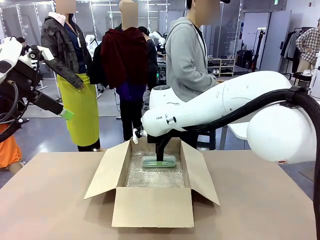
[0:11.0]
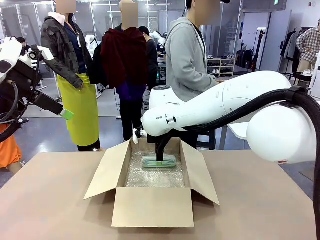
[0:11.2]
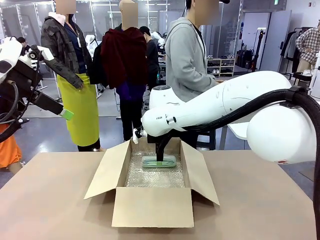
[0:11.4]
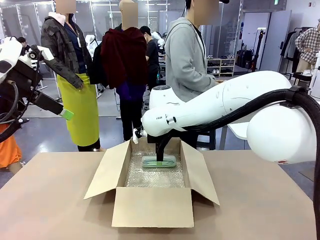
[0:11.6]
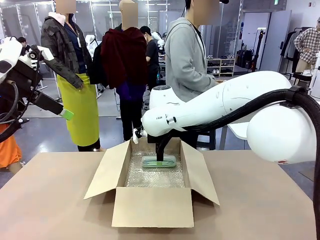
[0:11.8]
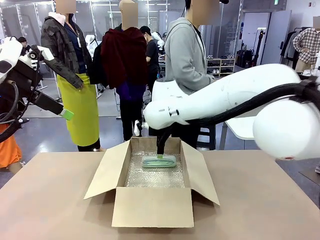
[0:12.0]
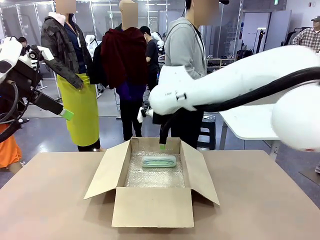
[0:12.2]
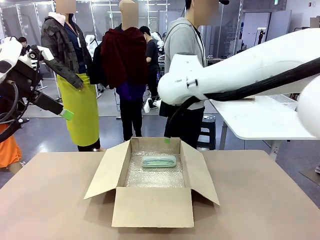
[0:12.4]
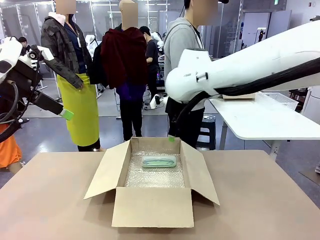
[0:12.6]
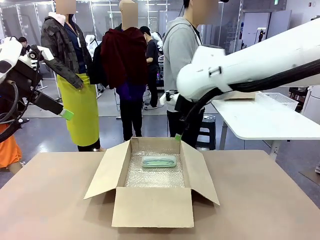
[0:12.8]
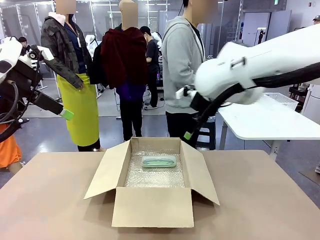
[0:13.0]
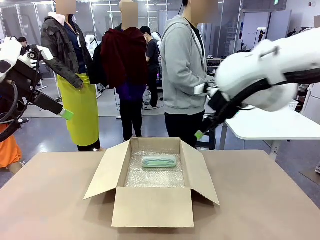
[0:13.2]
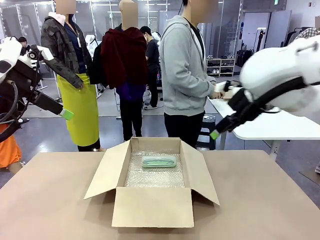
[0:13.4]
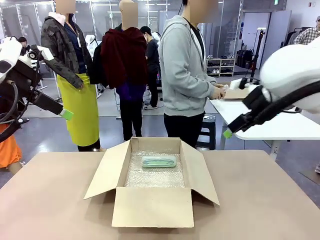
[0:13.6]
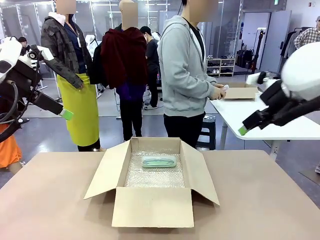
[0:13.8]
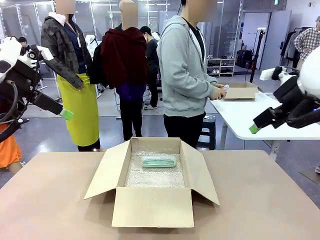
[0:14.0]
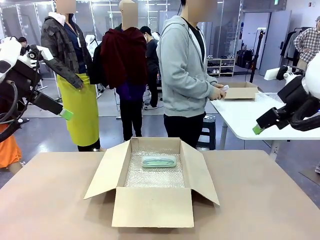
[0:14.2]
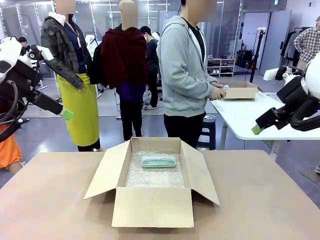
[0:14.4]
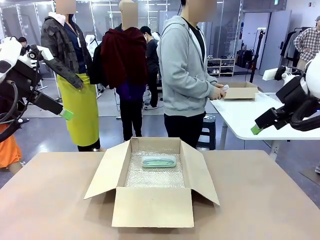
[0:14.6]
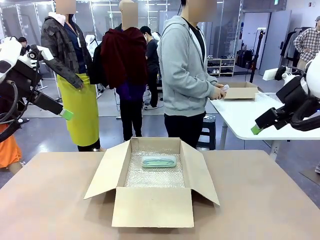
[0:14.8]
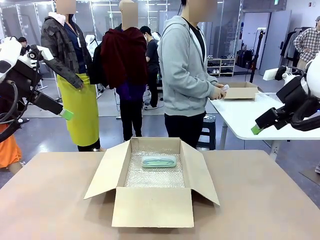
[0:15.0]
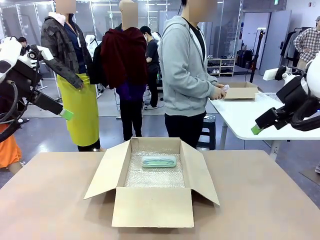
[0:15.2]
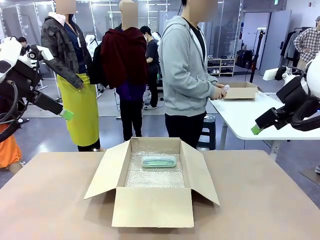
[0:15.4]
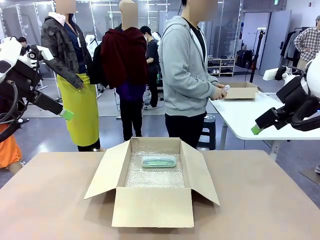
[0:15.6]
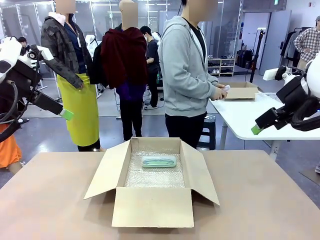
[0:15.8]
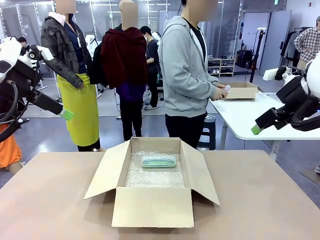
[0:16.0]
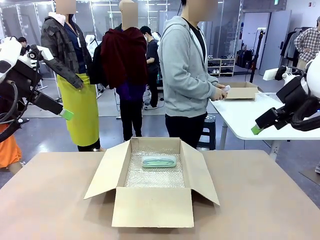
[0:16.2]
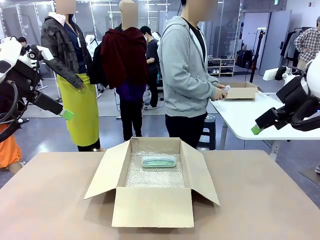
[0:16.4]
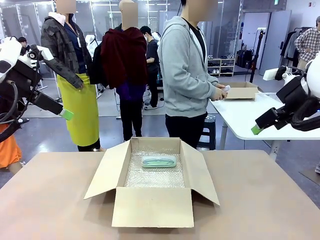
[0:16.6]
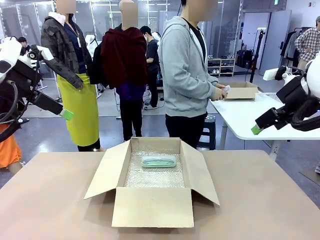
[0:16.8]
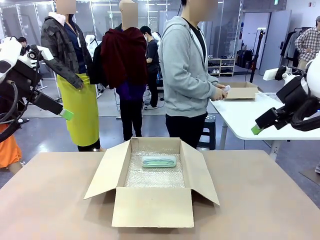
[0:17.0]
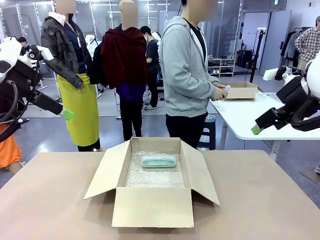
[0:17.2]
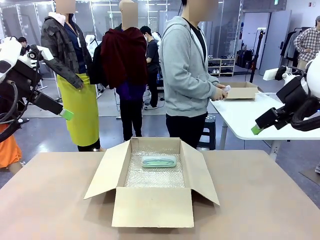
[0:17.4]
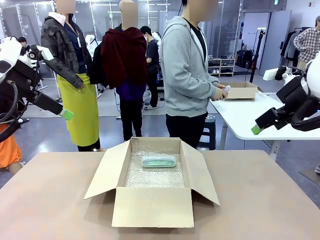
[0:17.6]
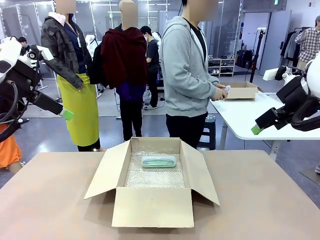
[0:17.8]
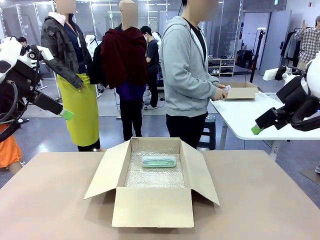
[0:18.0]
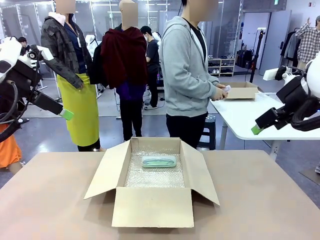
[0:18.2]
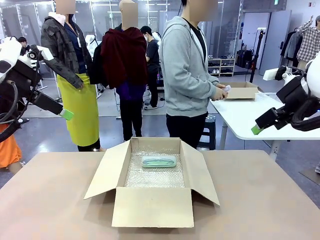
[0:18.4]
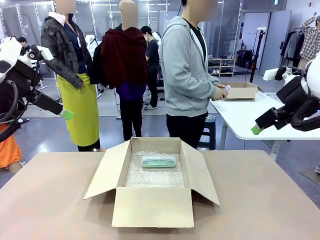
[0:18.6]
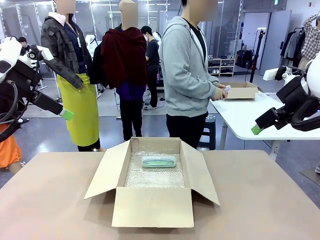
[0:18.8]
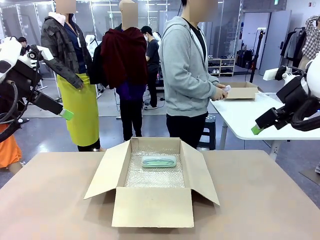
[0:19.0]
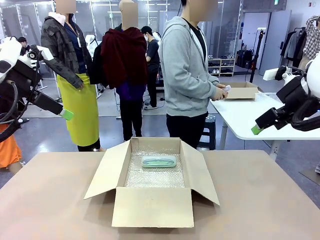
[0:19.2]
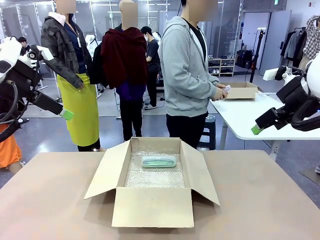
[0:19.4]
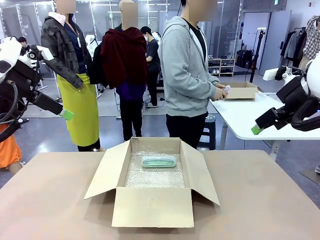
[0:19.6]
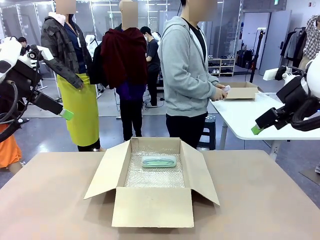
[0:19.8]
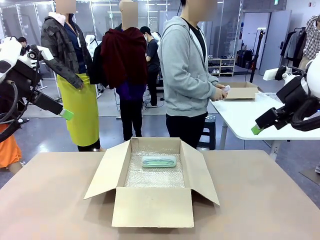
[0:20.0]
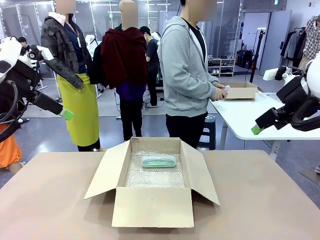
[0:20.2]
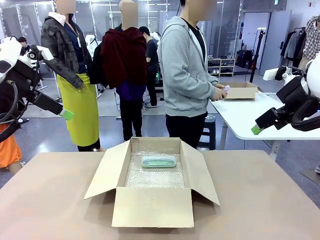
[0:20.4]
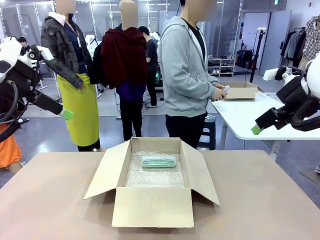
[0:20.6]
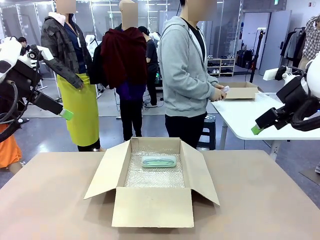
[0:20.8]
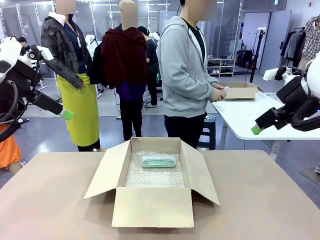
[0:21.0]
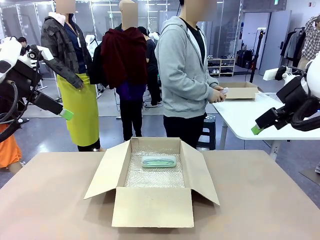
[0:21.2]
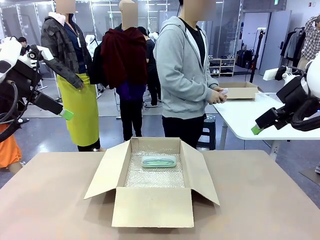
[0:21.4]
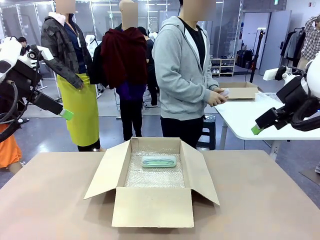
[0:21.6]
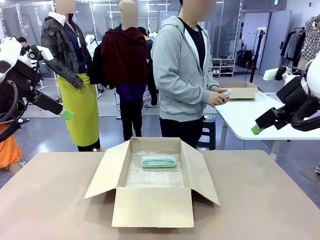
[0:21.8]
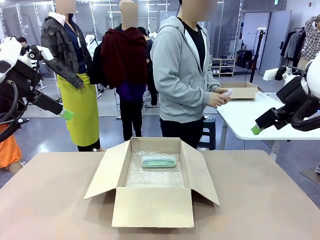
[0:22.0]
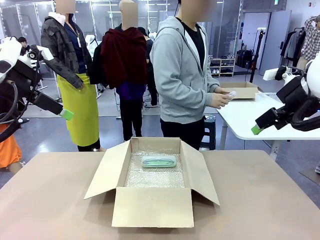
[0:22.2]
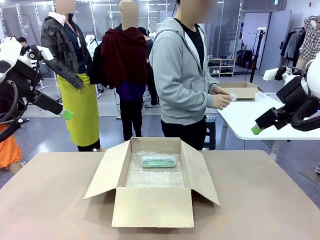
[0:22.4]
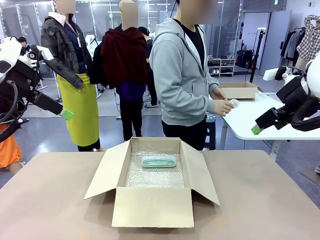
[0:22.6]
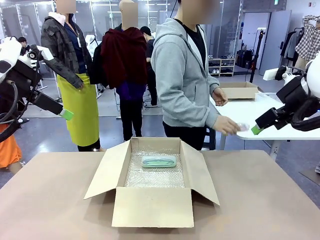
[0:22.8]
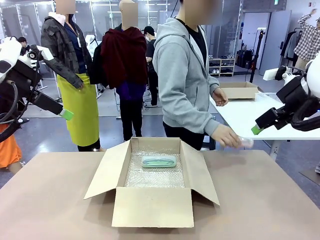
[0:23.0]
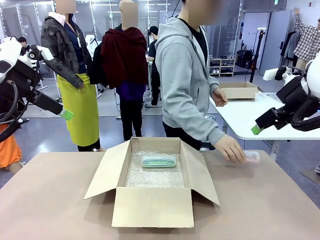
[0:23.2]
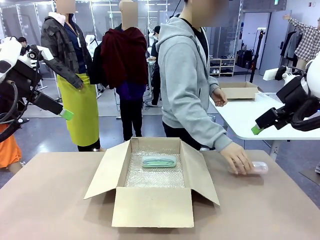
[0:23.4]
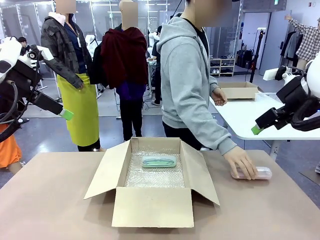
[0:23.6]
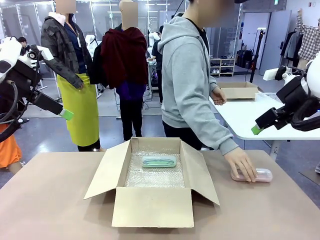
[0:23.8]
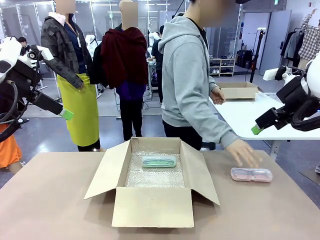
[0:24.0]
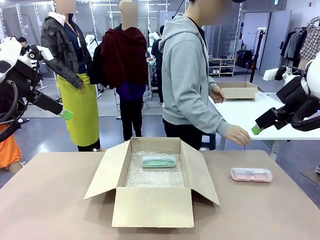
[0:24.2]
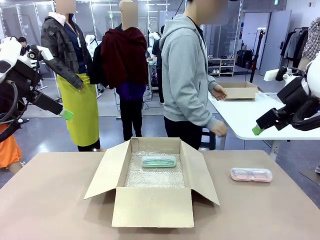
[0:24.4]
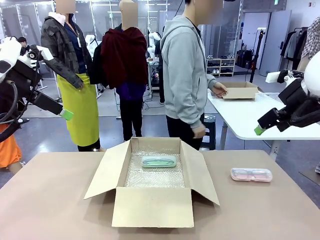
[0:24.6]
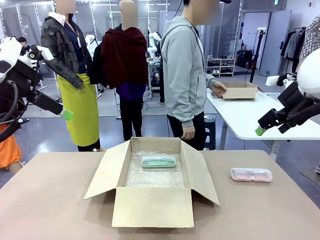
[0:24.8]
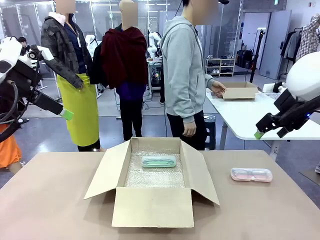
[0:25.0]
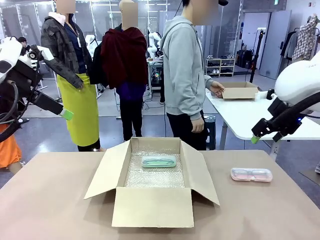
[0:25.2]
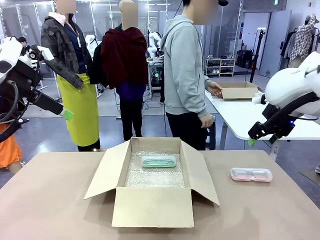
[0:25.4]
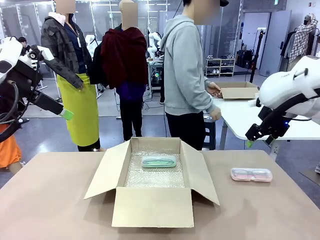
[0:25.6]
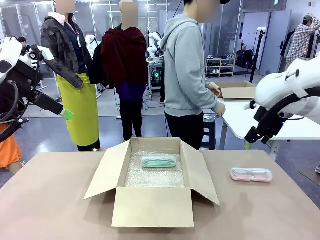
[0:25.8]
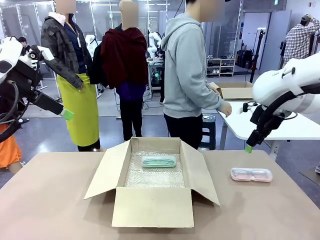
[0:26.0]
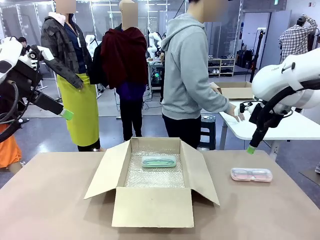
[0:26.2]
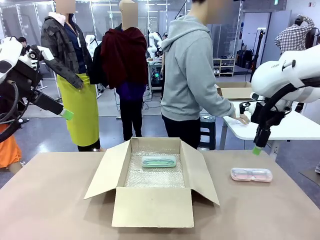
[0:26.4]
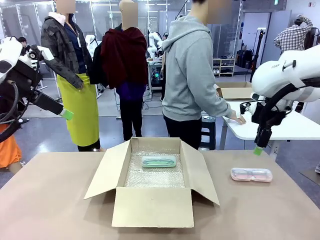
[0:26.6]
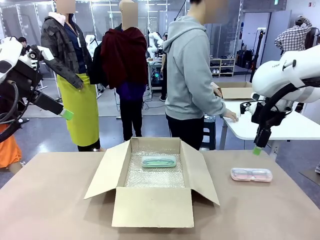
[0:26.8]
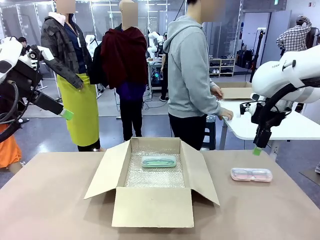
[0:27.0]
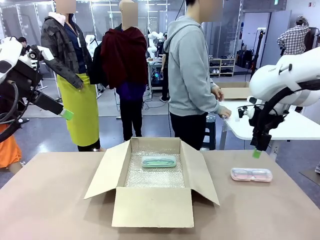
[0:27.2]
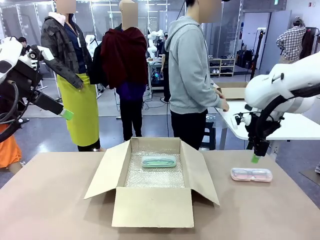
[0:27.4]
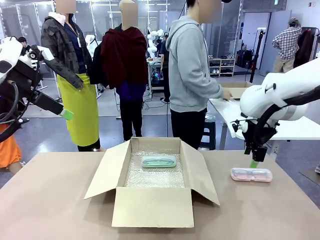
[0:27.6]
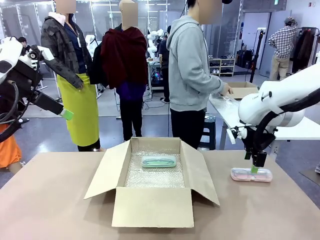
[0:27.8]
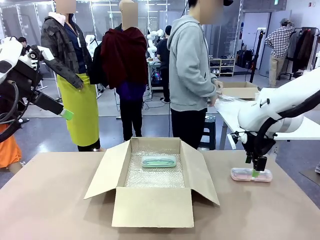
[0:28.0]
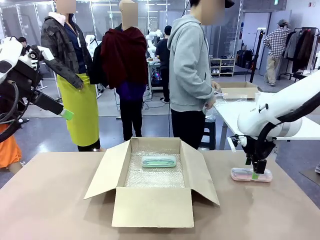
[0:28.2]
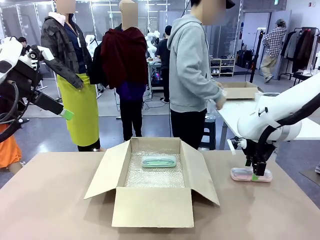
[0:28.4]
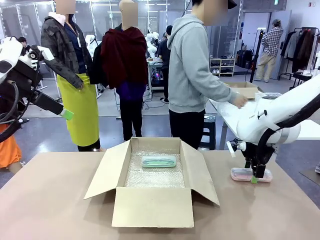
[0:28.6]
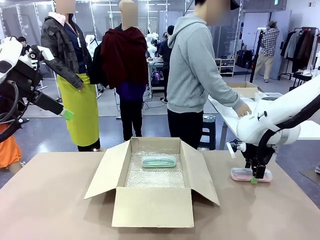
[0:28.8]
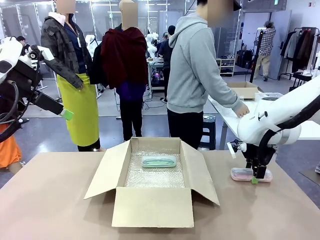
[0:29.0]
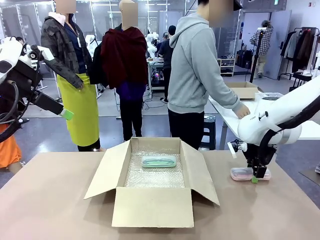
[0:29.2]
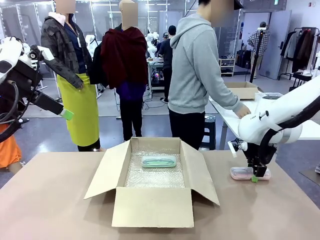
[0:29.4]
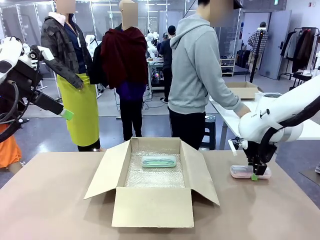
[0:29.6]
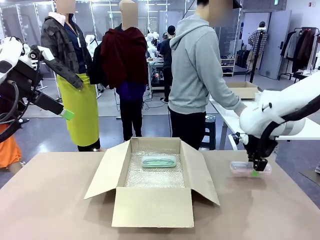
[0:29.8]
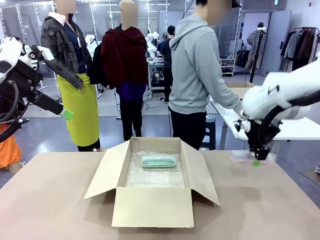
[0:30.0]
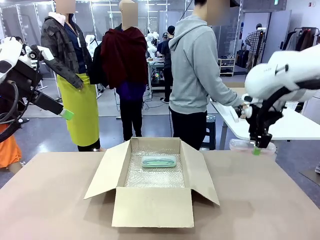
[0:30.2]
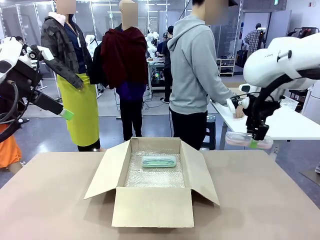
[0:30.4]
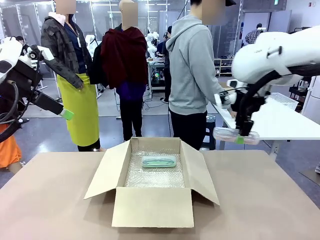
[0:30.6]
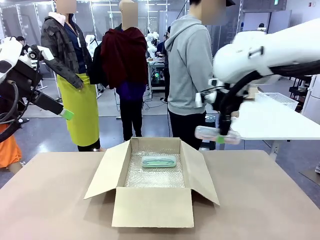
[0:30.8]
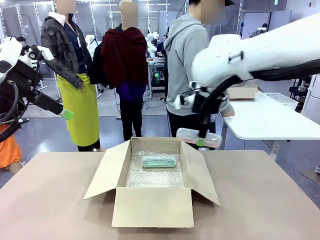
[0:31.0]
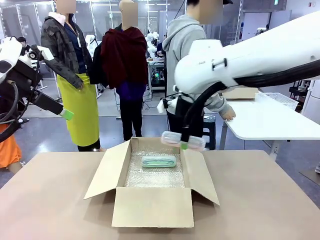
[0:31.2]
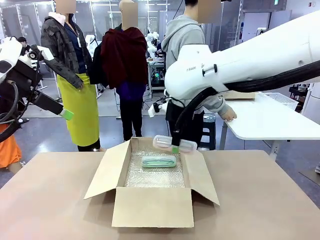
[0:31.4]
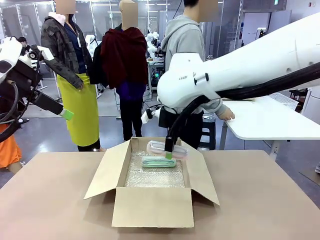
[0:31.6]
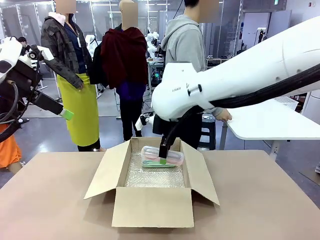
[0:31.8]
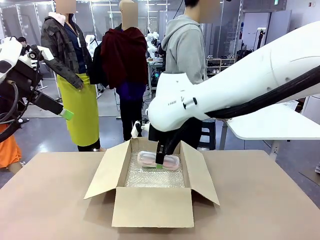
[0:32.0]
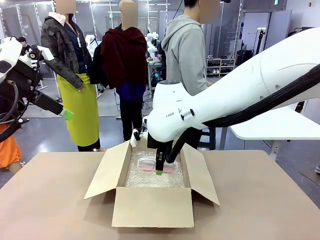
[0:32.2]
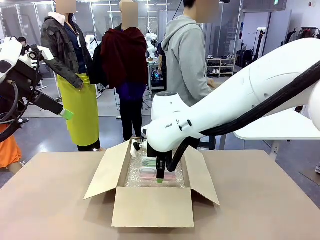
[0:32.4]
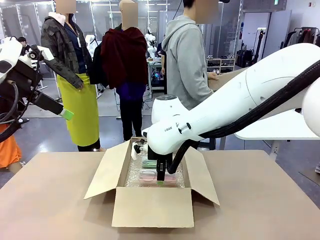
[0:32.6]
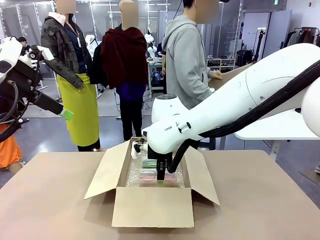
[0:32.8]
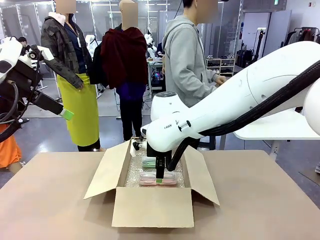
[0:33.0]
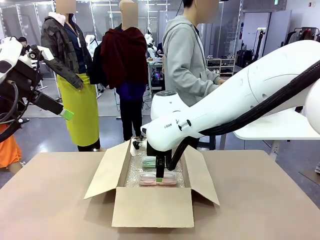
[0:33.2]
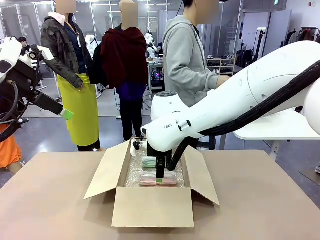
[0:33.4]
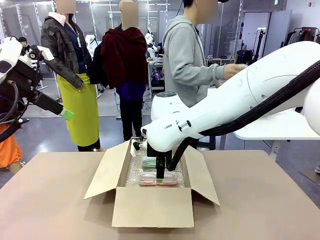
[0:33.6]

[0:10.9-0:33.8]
Task: Pack the glasses set securely to prepare it for shipping.
Robot: Put the Glasses case from the right side of the table into the Package Box.
Person: Position the Glasses case on the left side of the robot's table.
